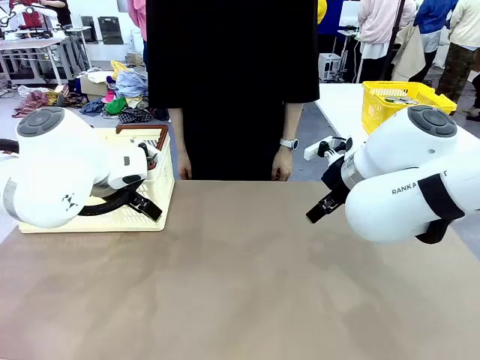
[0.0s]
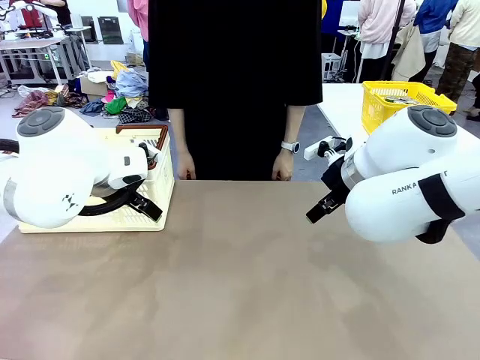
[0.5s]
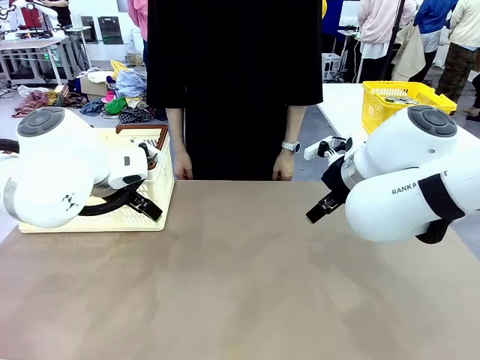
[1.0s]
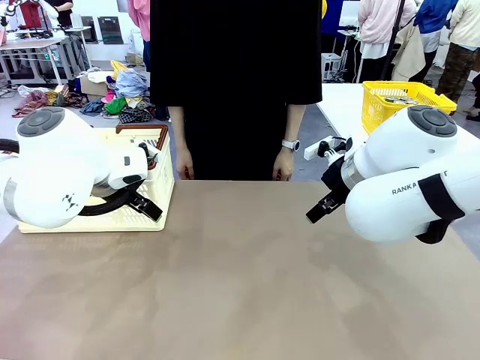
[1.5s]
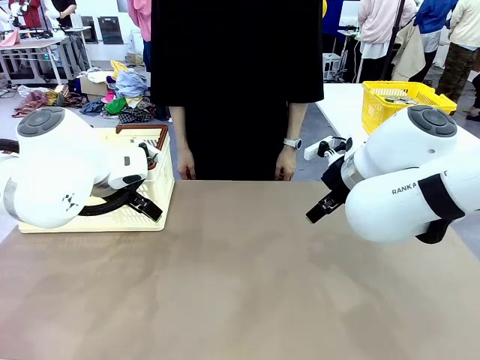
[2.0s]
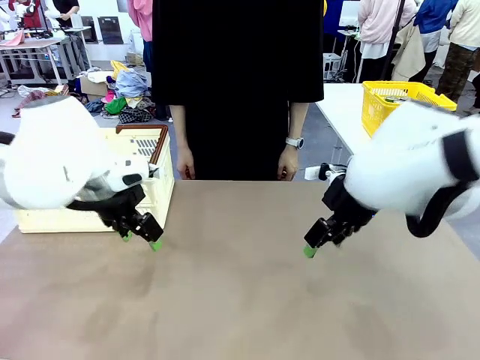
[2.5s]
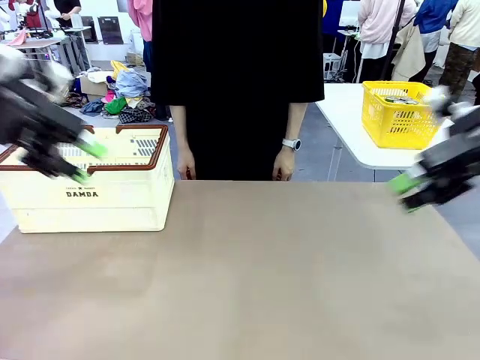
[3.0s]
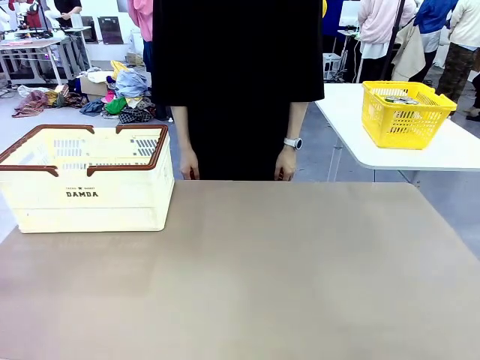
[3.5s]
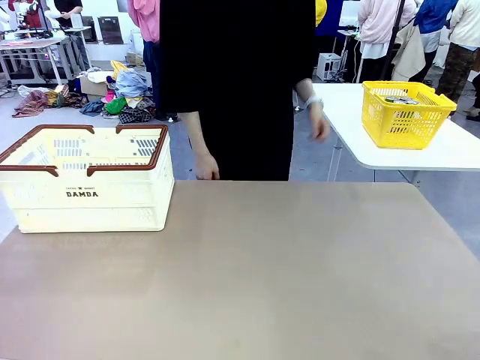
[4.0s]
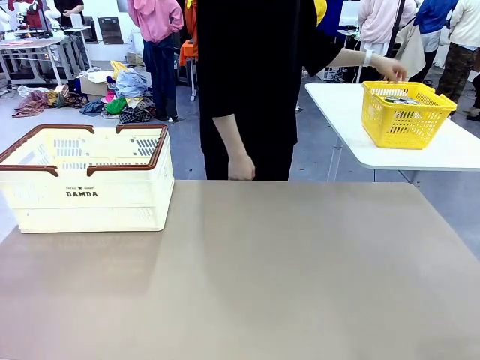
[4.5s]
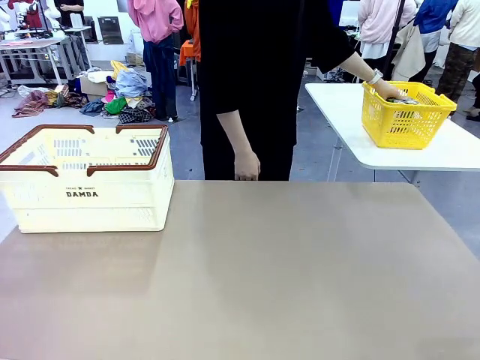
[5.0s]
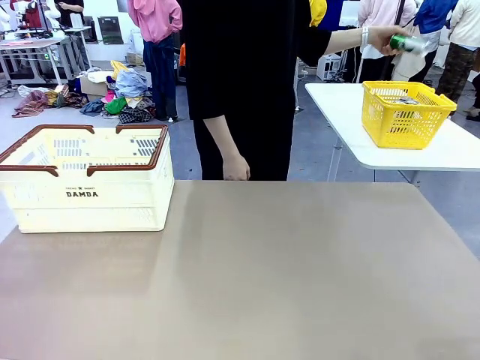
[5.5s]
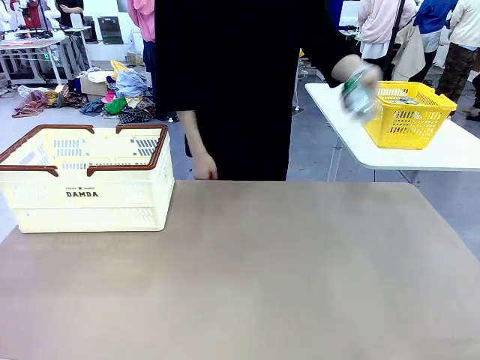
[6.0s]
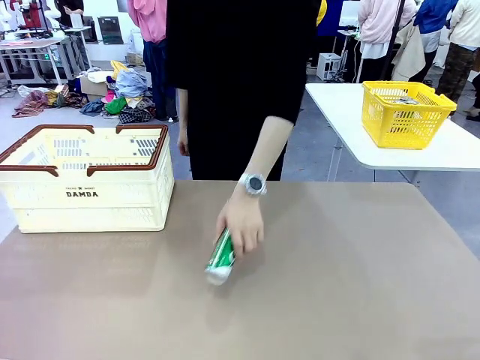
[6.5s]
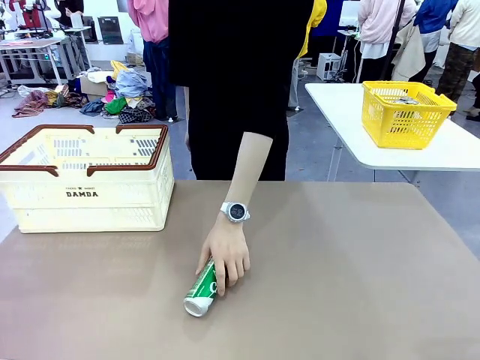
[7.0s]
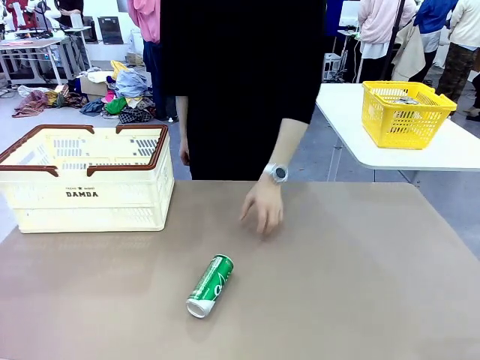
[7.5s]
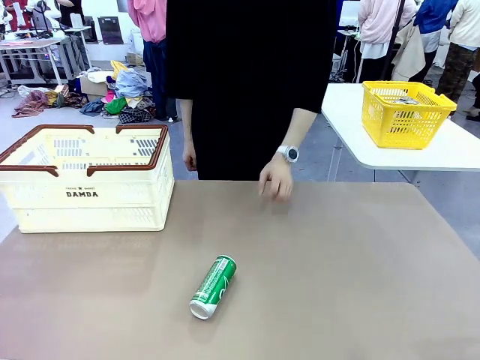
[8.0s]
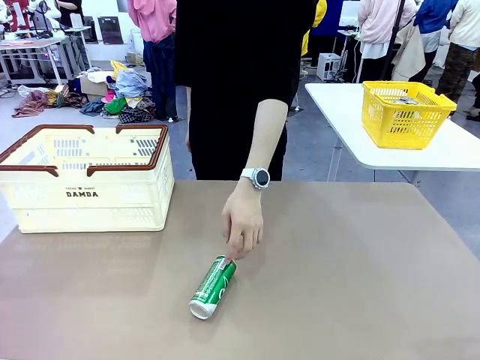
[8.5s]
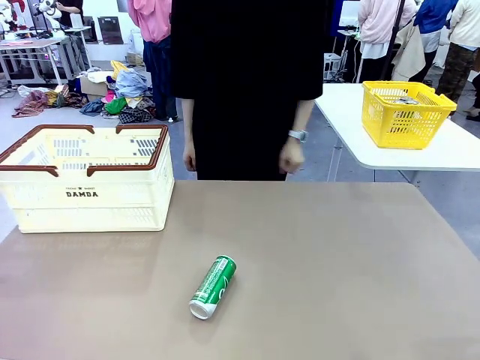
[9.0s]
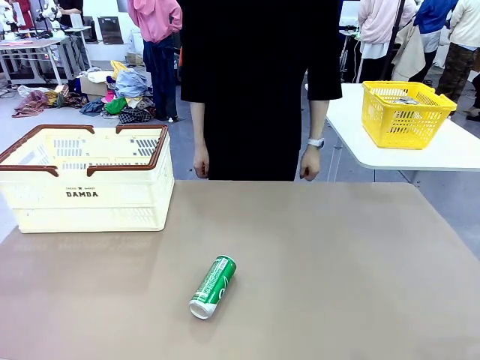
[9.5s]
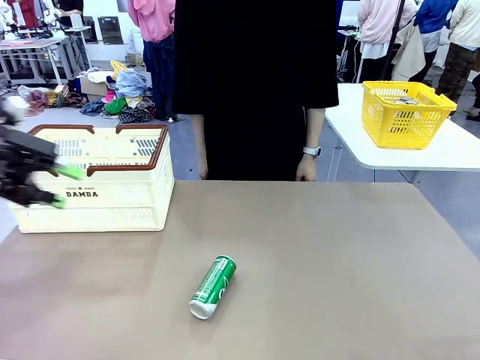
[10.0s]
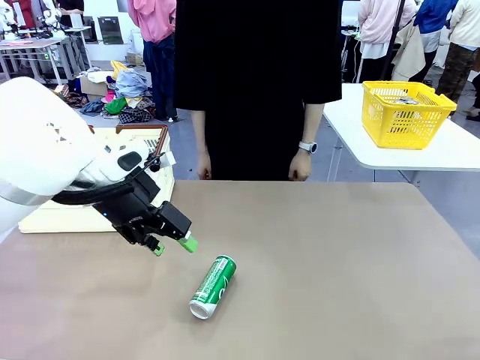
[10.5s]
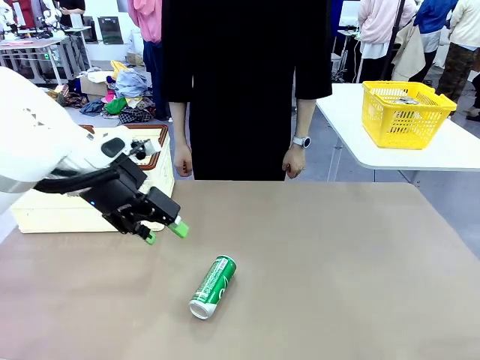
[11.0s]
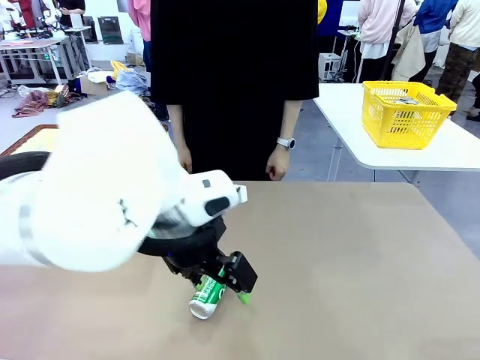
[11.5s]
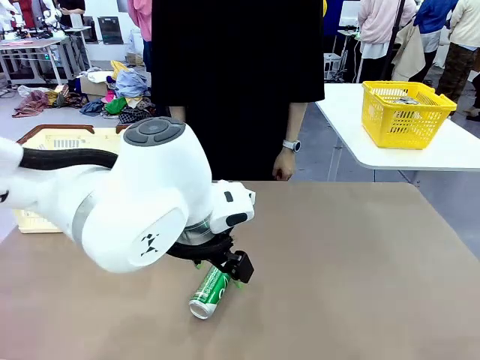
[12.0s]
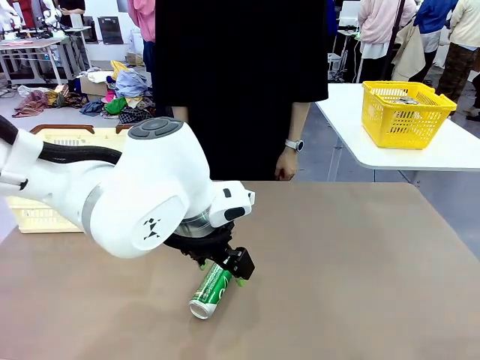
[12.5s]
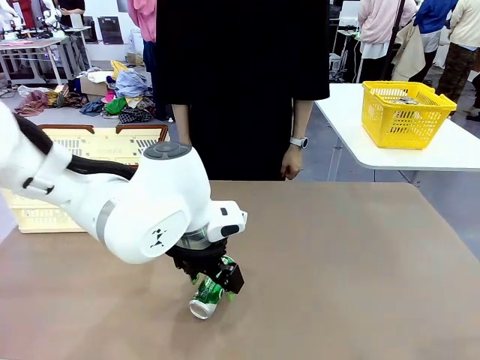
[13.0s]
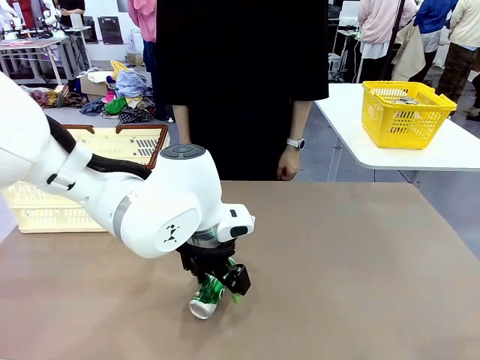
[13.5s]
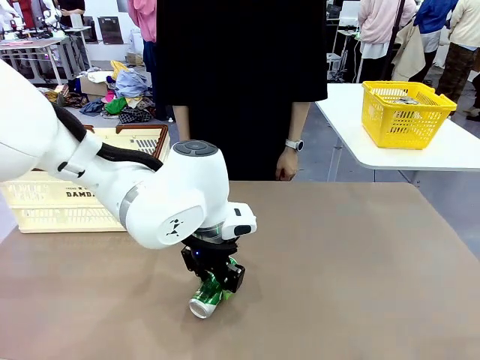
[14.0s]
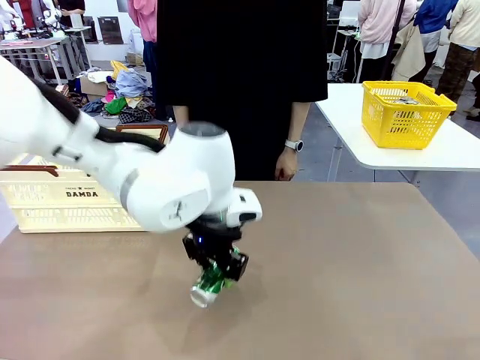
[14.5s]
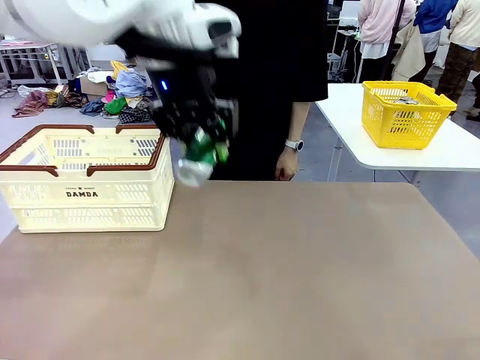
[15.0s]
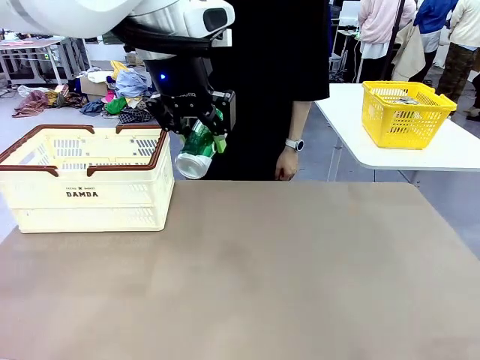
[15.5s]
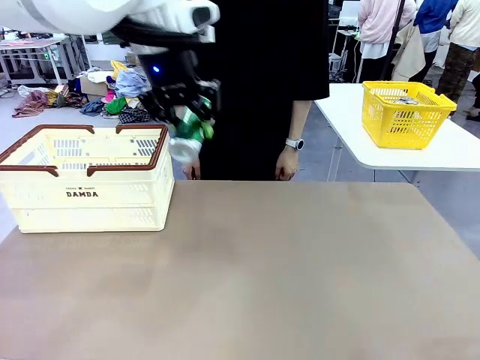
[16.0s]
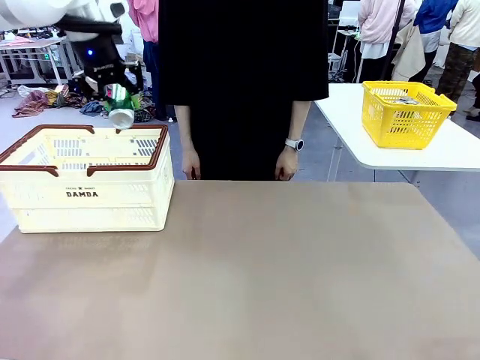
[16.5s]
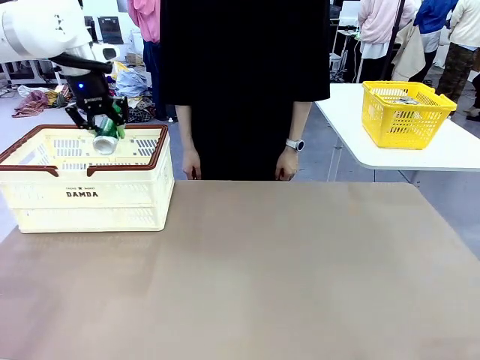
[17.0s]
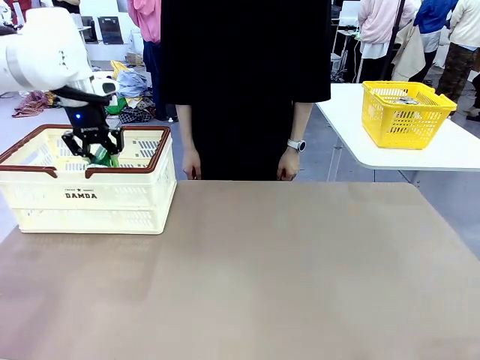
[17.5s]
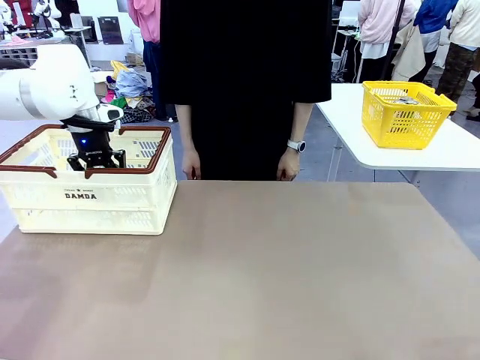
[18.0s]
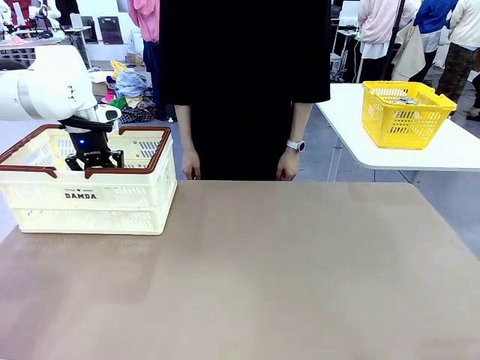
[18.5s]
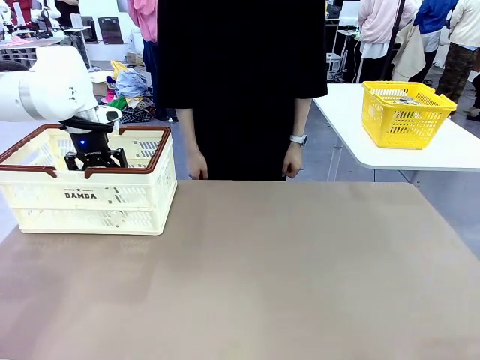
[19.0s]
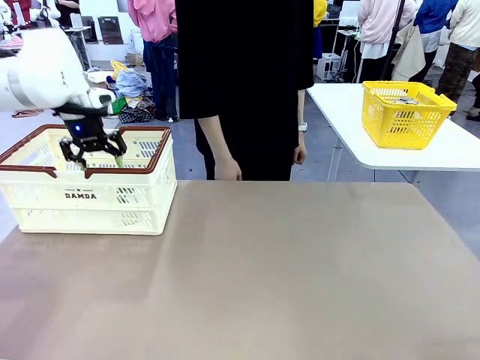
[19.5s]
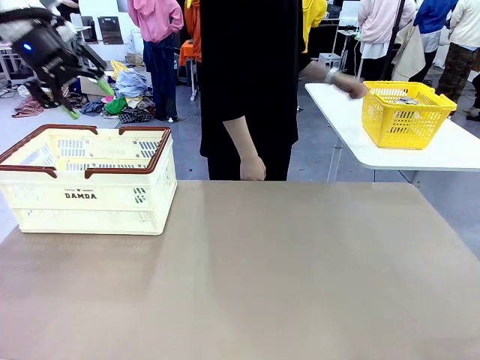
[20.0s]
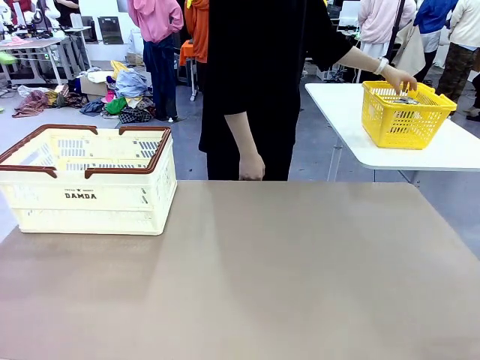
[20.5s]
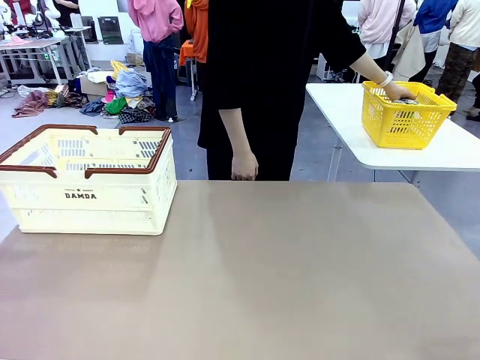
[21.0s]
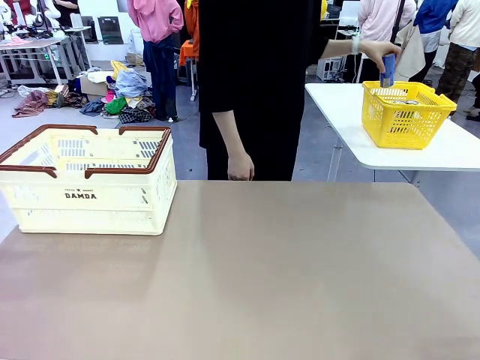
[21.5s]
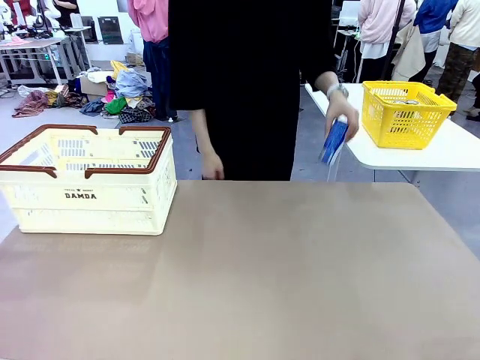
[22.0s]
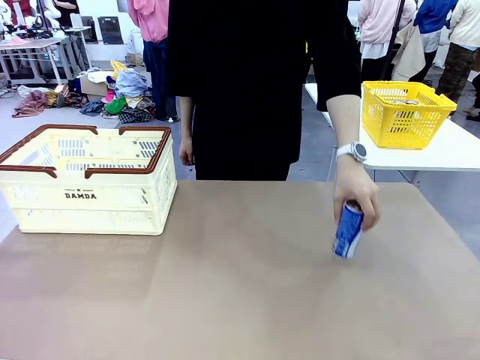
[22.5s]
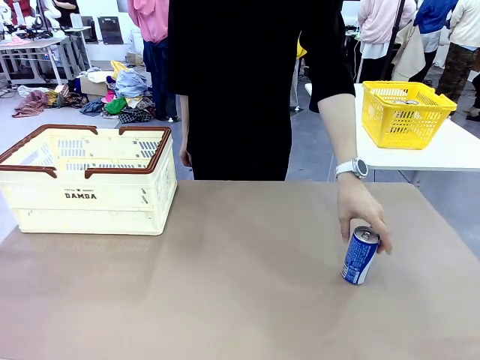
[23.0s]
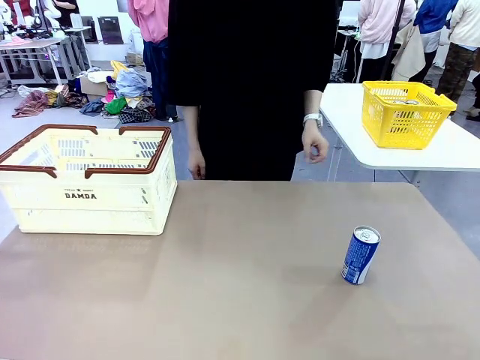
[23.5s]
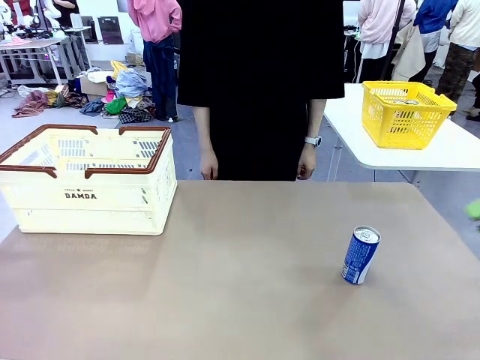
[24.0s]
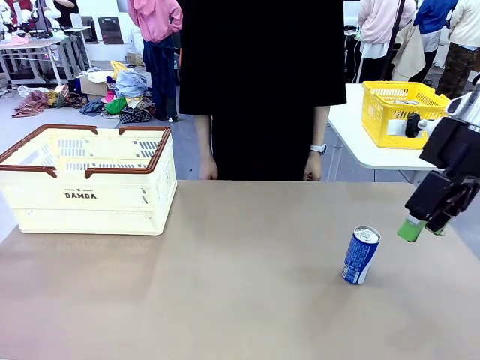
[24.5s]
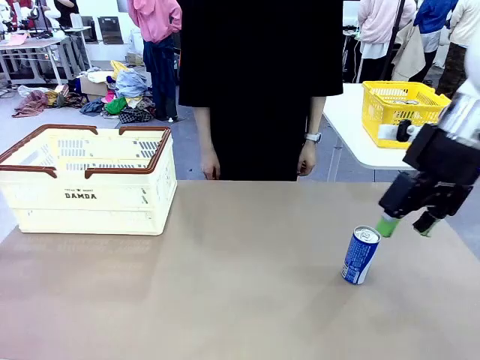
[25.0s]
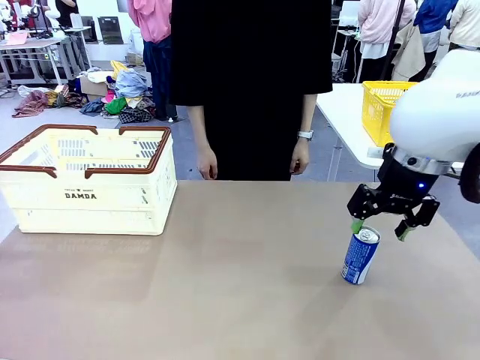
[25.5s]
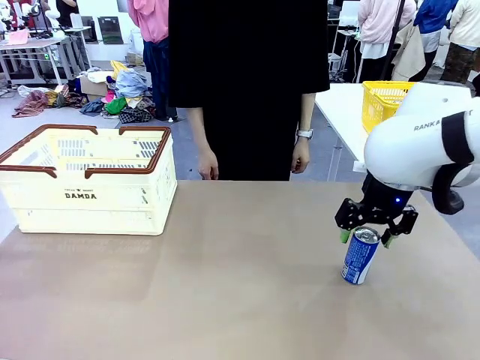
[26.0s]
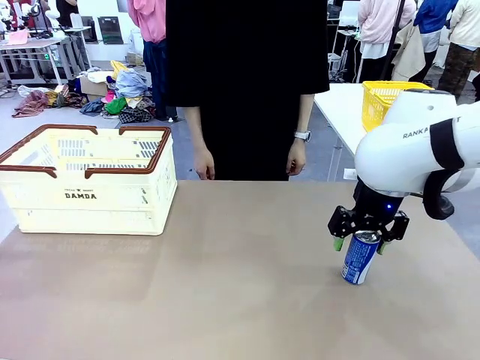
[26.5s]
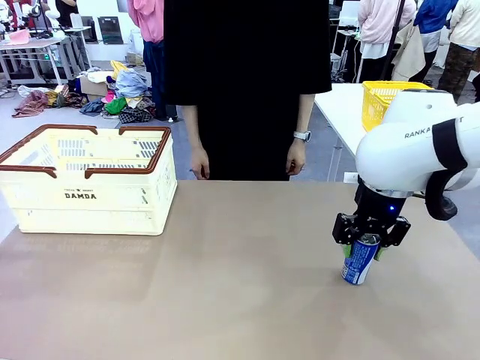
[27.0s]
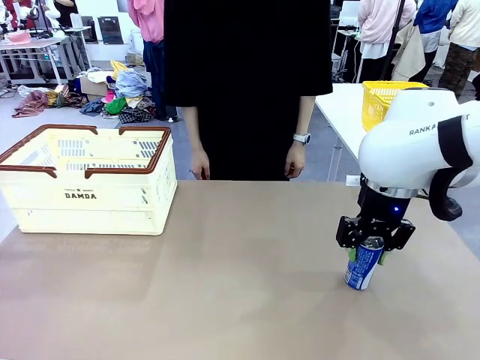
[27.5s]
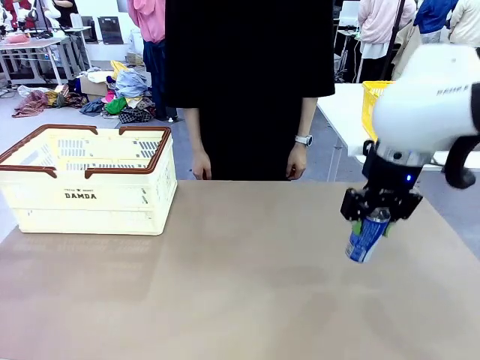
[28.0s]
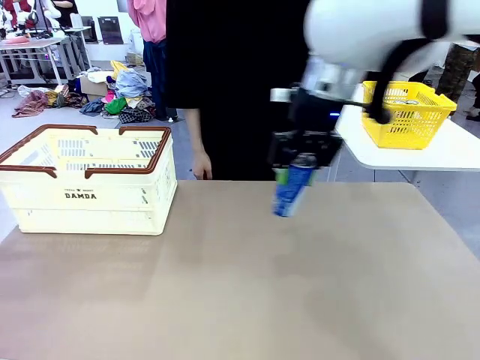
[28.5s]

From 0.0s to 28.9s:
Task: Place the drinks into the Shopping basket.
Robot: Pick up one drink and place it into the Shopping basket.
